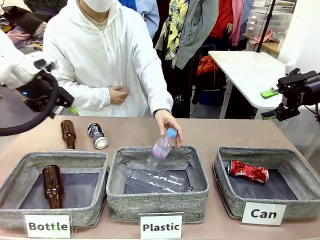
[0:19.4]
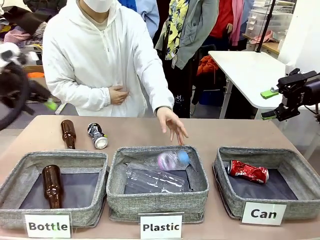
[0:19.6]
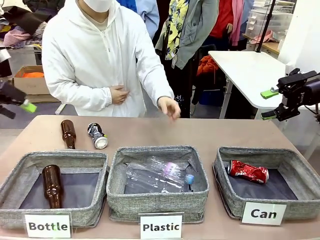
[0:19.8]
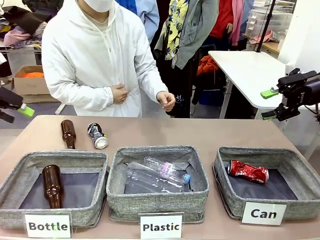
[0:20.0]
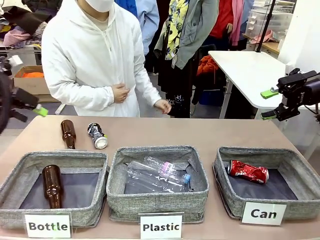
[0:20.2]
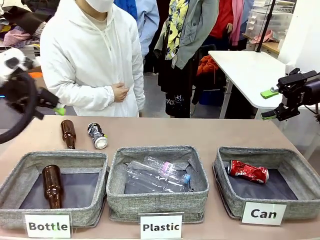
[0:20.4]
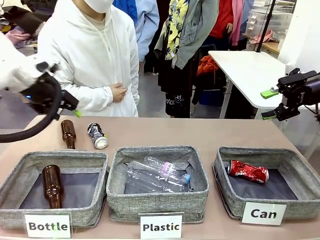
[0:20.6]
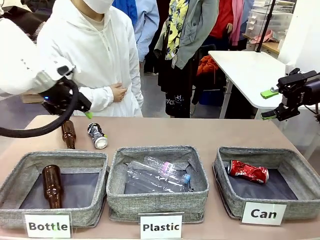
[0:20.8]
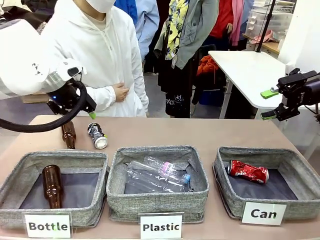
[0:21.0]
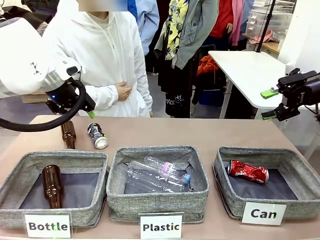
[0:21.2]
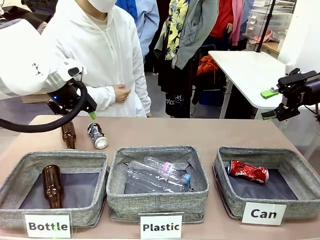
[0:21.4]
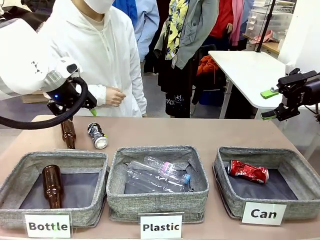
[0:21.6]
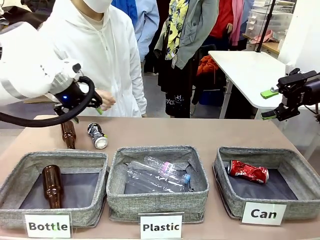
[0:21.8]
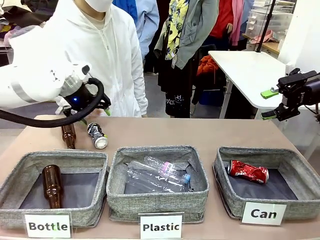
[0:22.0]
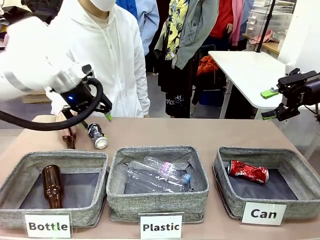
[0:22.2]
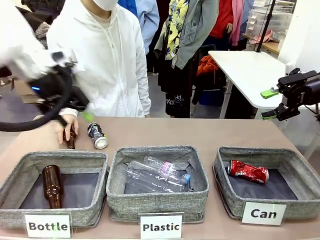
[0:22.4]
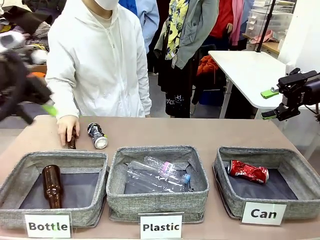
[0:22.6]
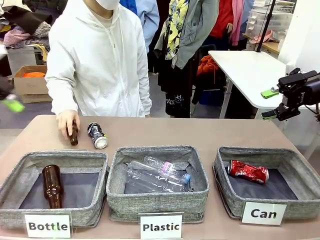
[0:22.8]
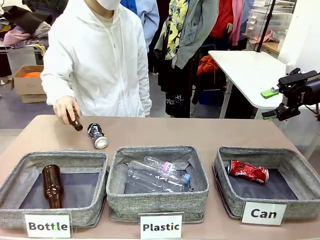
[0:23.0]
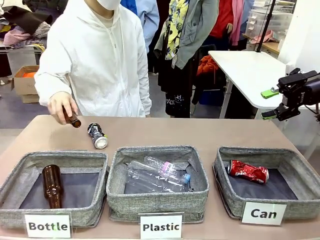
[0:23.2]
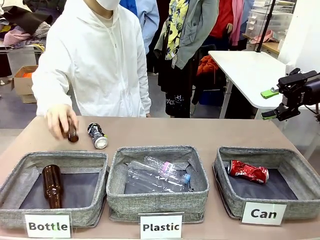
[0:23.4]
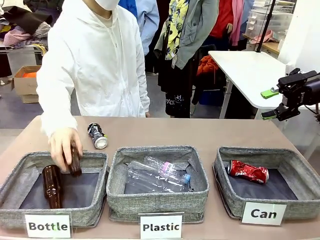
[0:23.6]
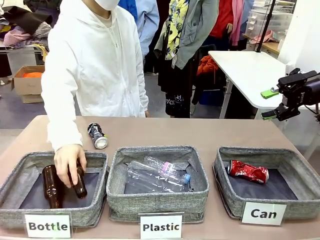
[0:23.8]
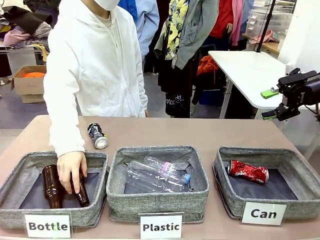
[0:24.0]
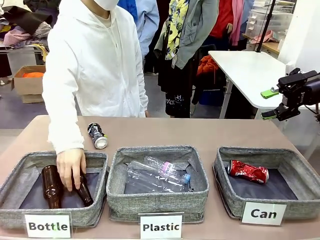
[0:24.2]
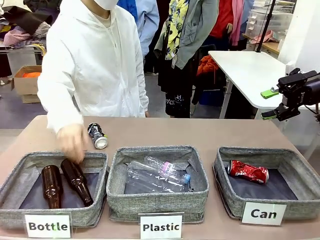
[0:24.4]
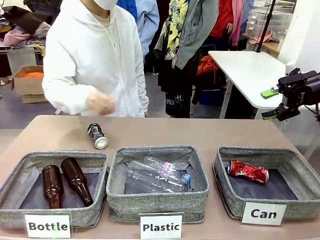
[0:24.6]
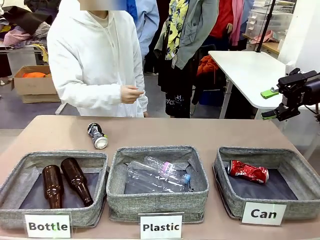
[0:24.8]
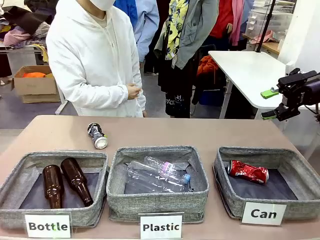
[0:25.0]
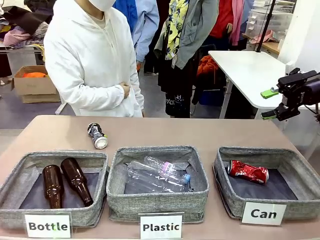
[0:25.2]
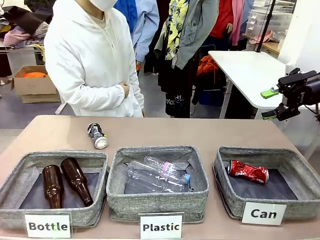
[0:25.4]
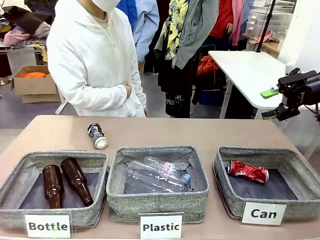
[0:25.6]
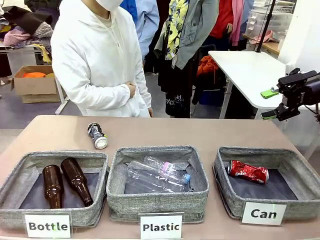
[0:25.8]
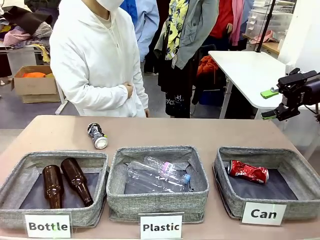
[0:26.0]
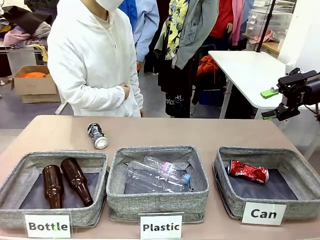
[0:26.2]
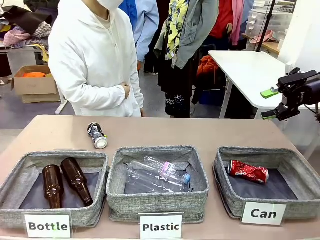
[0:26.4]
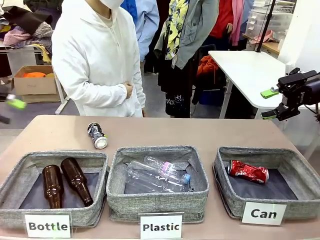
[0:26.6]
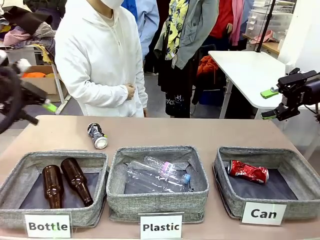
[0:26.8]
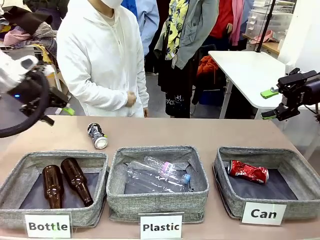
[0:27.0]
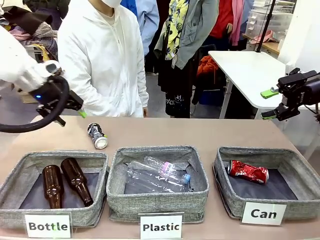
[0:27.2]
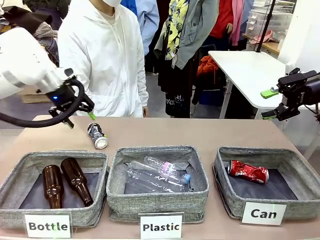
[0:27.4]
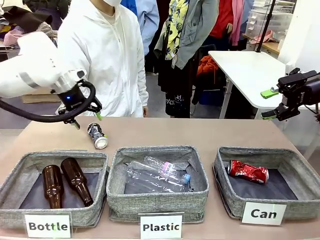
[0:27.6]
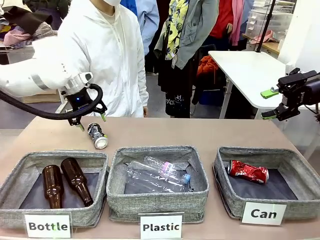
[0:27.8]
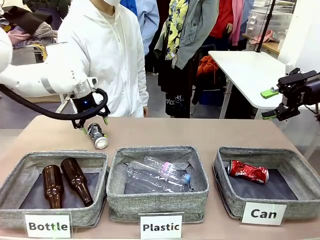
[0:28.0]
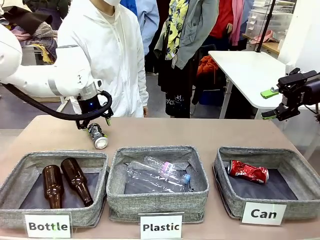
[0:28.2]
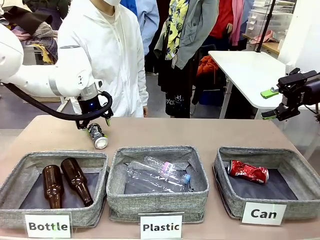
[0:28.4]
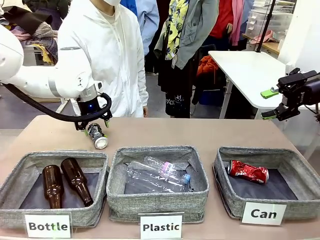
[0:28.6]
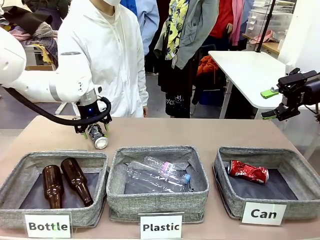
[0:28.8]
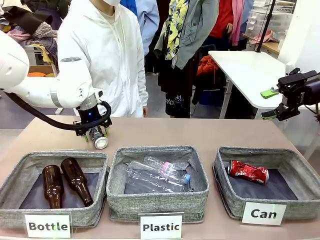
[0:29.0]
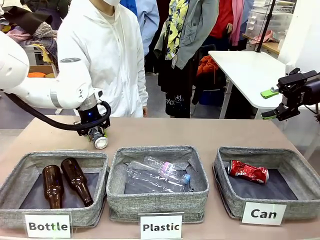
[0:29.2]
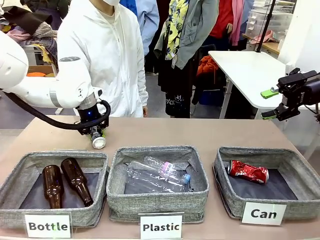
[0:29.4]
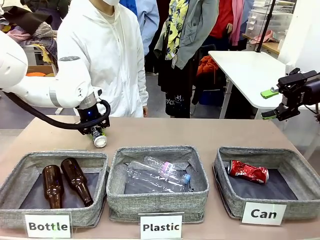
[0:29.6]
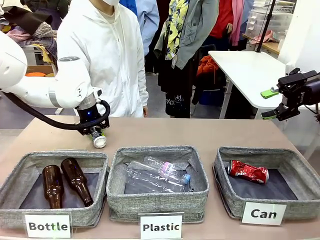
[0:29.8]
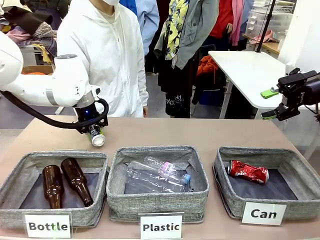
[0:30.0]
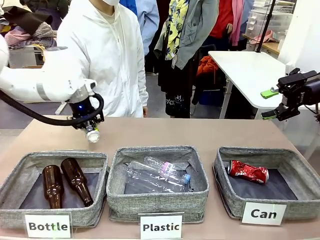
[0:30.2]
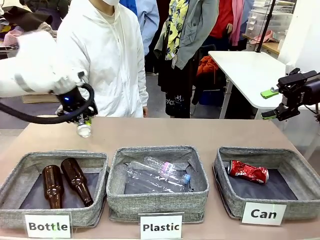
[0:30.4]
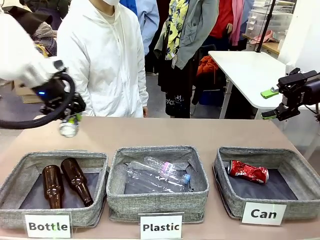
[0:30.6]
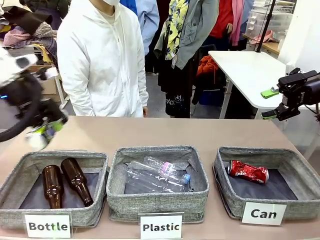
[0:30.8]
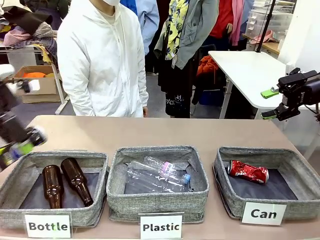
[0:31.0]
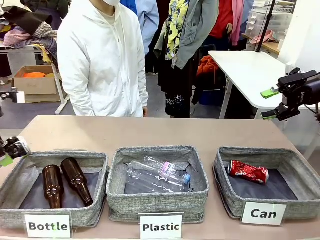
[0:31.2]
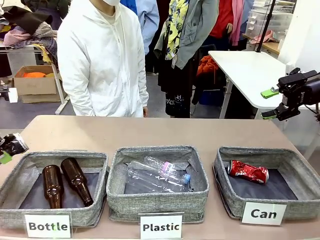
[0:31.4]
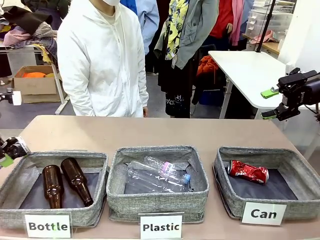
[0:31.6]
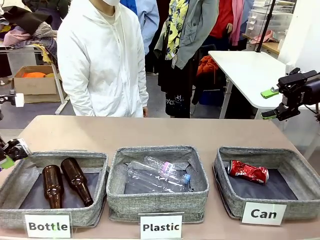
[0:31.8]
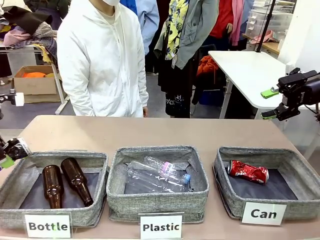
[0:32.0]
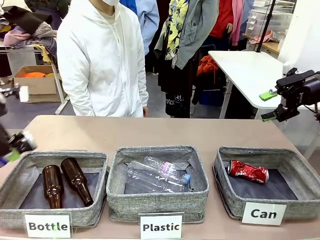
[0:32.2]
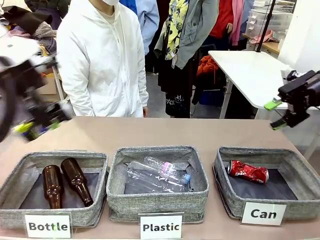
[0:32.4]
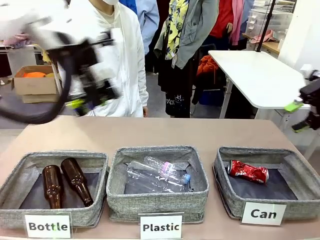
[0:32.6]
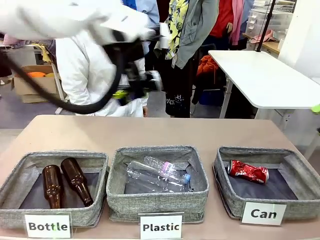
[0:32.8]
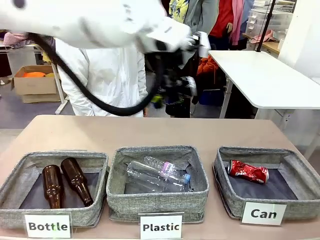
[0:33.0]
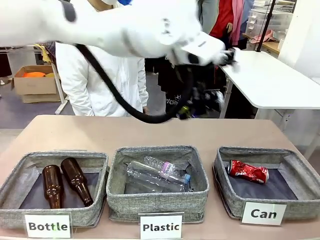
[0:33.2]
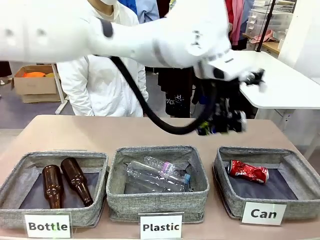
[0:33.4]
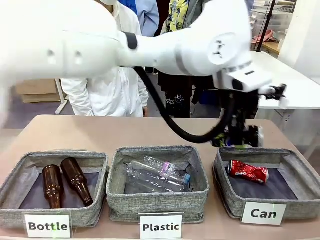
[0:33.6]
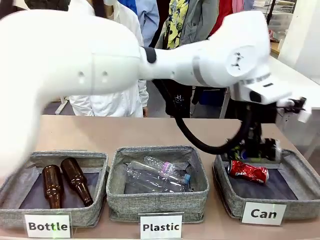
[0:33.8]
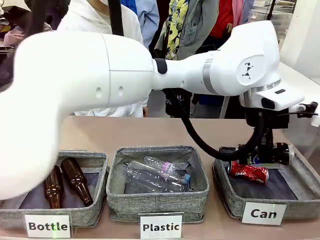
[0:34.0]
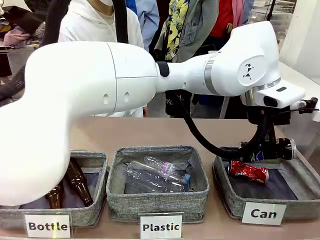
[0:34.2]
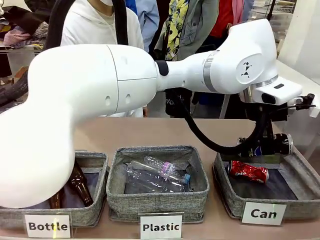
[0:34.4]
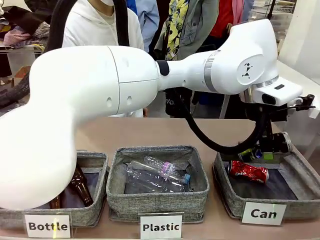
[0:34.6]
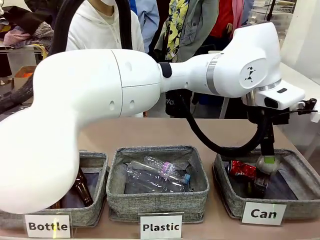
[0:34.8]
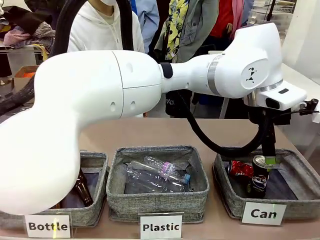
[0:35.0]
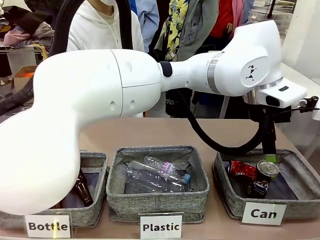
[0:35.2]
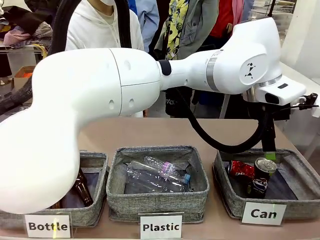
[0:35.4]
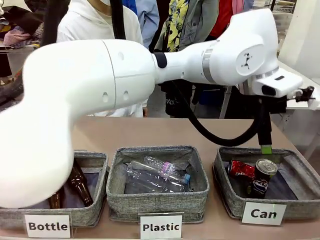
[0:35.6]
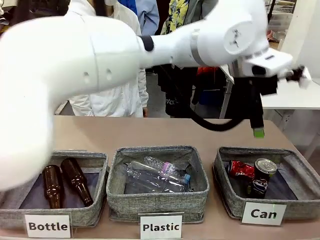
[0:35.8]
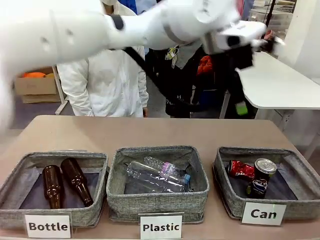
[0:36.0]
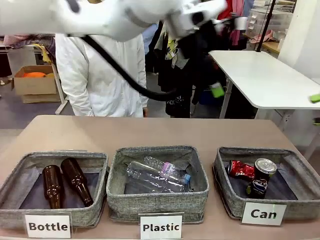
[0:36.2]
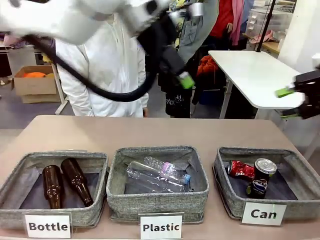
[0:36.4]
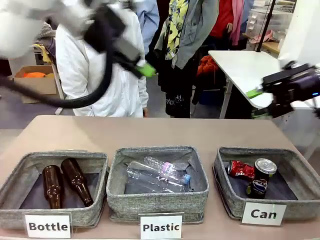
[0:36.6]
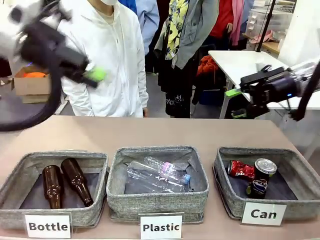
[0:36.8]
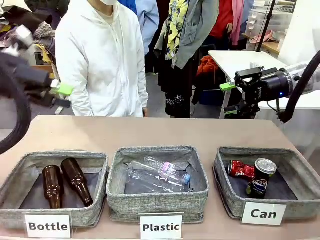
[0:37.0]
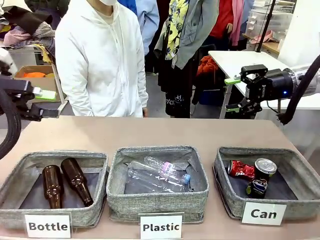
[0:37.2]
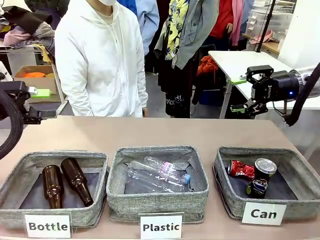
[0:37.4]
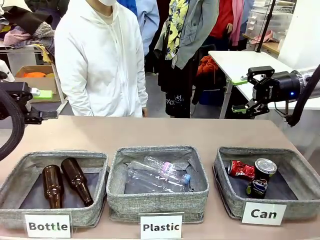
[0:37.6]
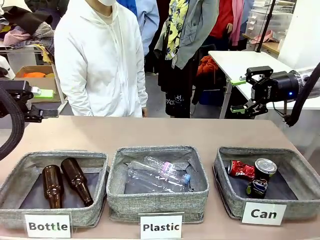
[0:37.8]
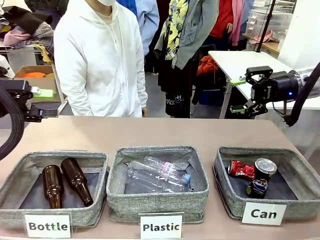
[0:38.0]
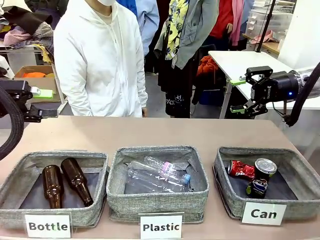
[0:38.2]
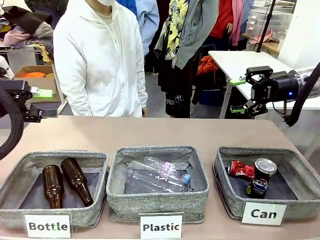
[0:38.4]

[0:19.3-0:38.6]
Task: Sort the can waste into the basket.
Robot: Pick up the can waste from the table and place it in the right Fabric basket.
